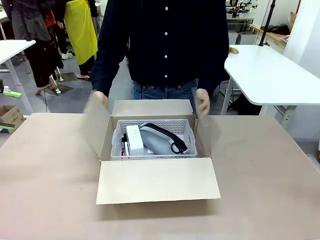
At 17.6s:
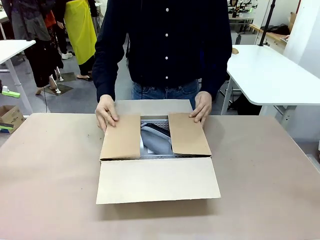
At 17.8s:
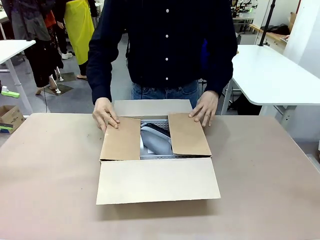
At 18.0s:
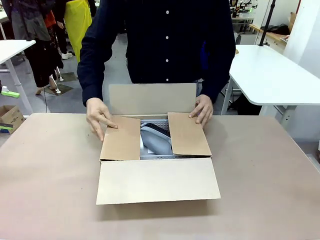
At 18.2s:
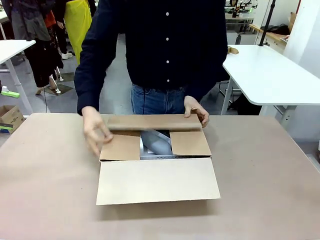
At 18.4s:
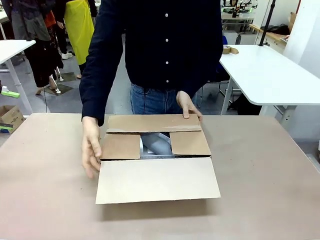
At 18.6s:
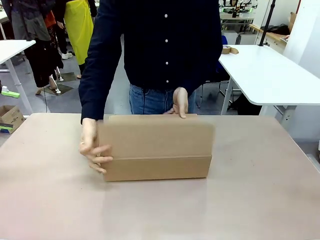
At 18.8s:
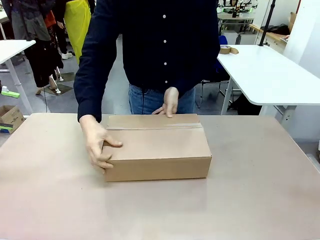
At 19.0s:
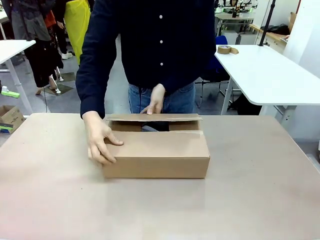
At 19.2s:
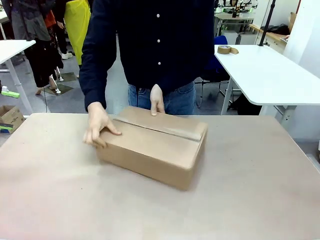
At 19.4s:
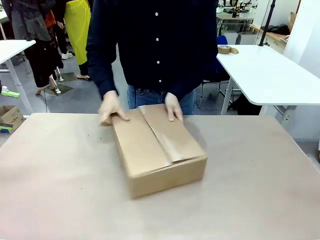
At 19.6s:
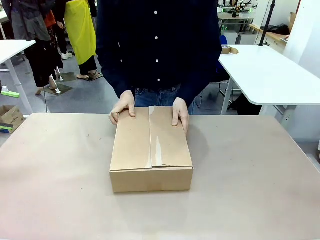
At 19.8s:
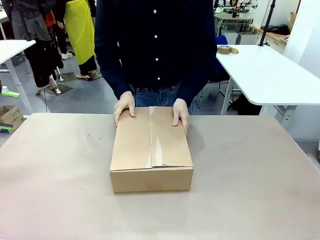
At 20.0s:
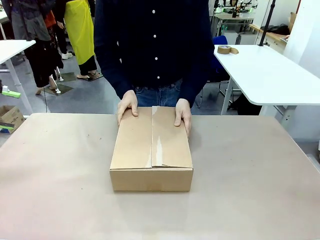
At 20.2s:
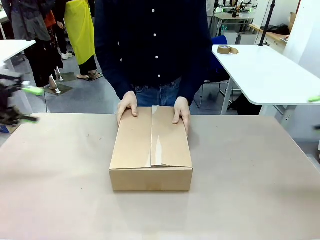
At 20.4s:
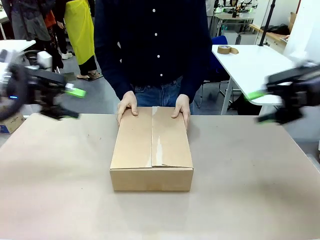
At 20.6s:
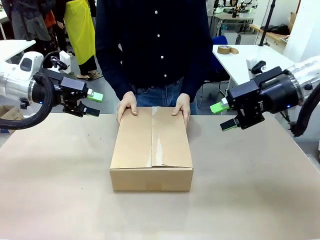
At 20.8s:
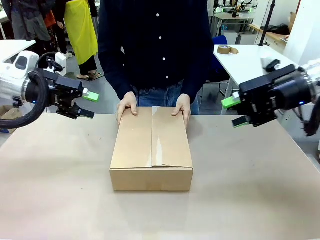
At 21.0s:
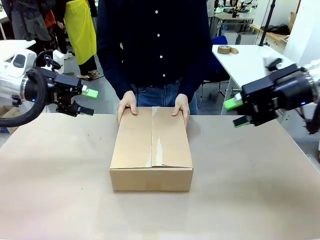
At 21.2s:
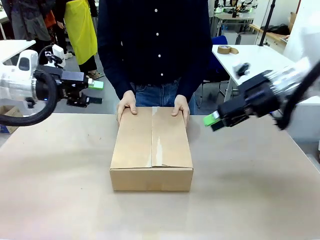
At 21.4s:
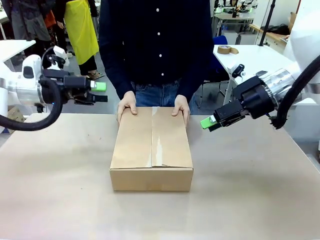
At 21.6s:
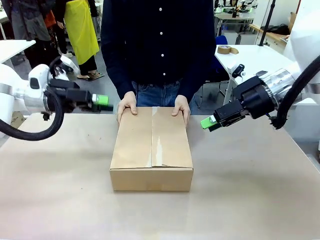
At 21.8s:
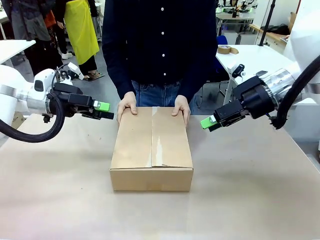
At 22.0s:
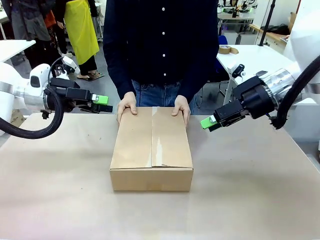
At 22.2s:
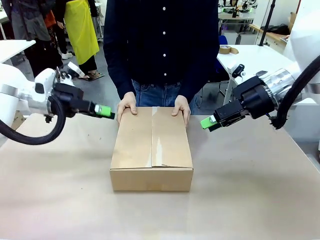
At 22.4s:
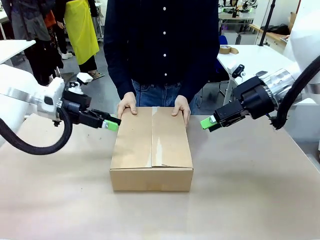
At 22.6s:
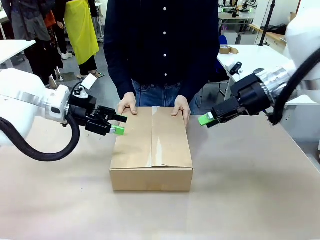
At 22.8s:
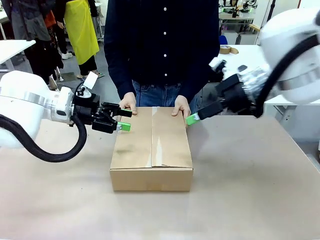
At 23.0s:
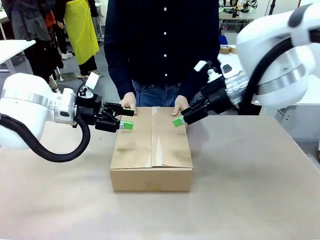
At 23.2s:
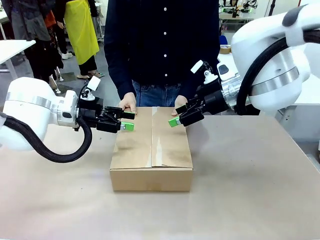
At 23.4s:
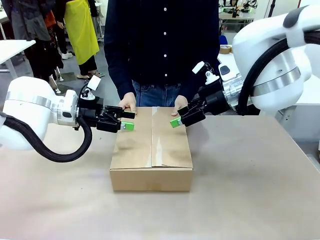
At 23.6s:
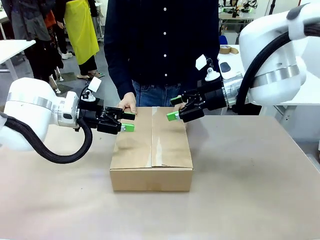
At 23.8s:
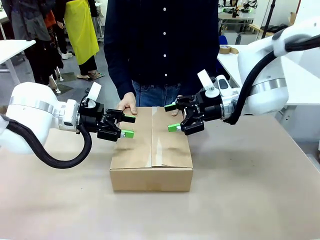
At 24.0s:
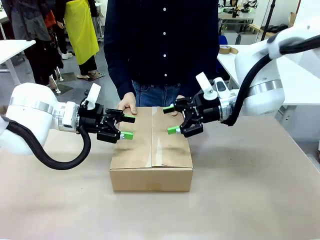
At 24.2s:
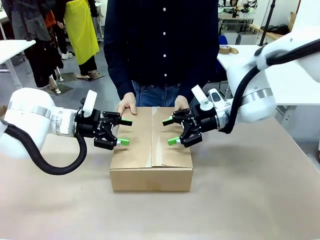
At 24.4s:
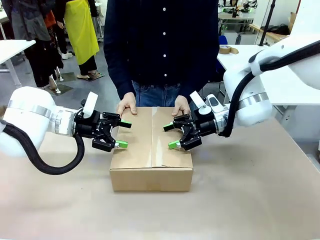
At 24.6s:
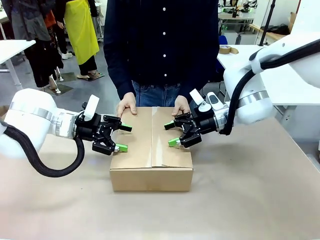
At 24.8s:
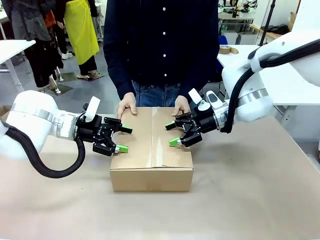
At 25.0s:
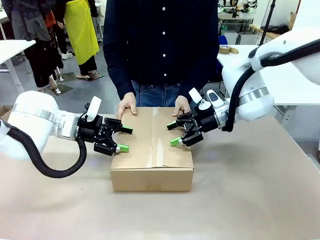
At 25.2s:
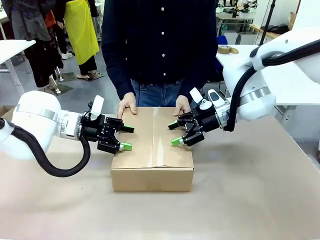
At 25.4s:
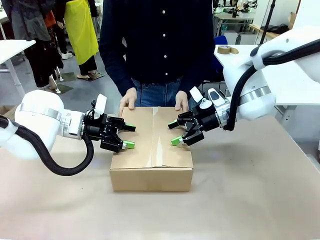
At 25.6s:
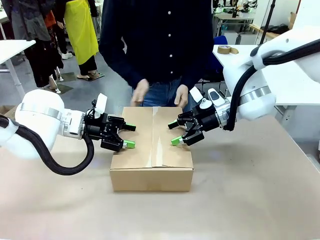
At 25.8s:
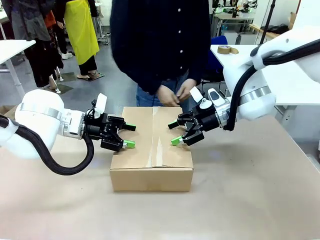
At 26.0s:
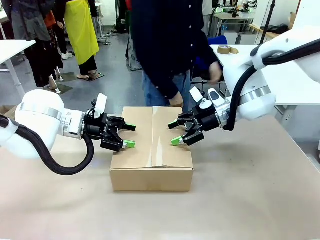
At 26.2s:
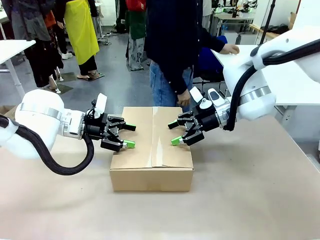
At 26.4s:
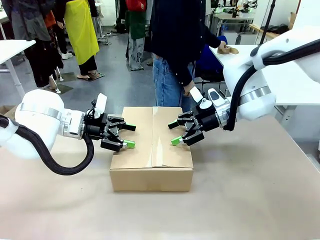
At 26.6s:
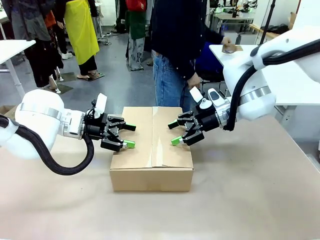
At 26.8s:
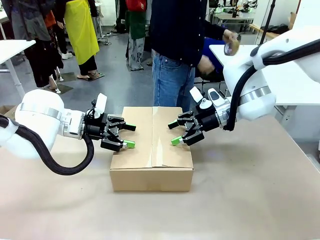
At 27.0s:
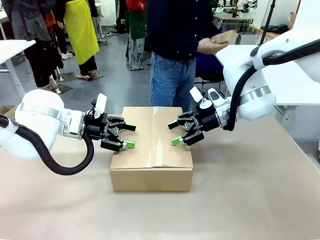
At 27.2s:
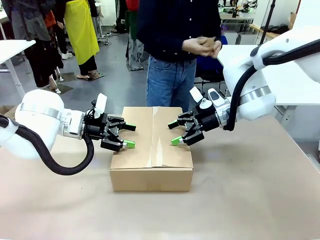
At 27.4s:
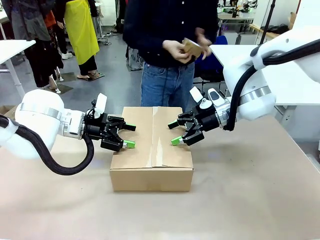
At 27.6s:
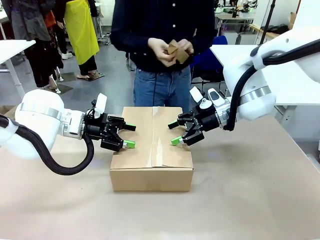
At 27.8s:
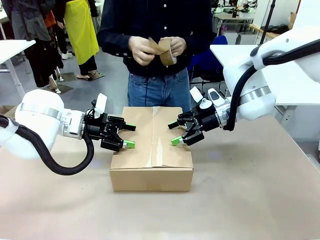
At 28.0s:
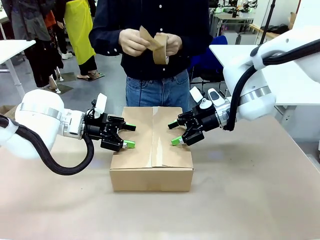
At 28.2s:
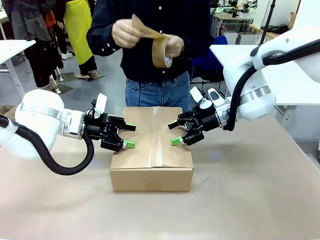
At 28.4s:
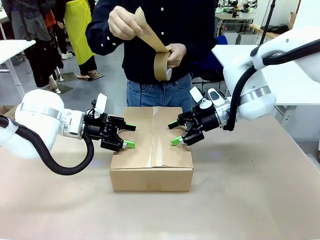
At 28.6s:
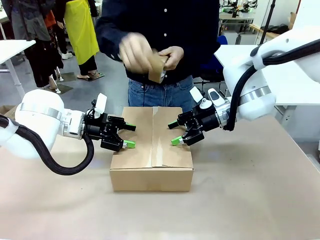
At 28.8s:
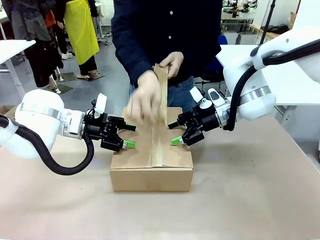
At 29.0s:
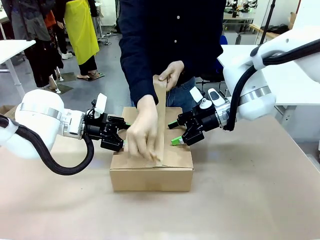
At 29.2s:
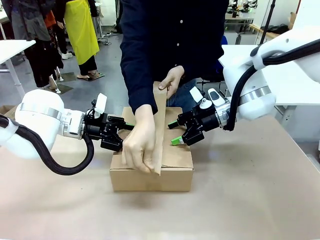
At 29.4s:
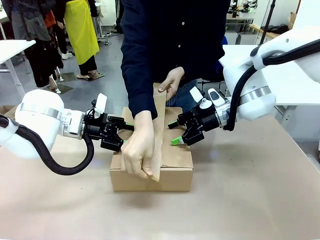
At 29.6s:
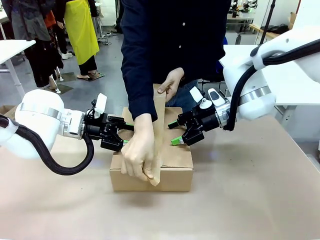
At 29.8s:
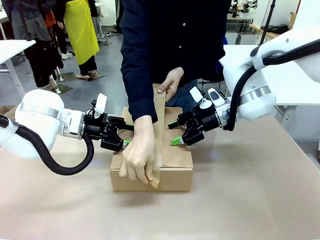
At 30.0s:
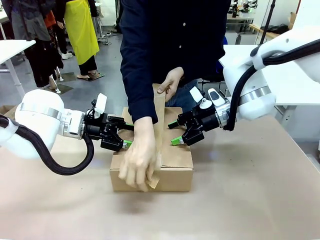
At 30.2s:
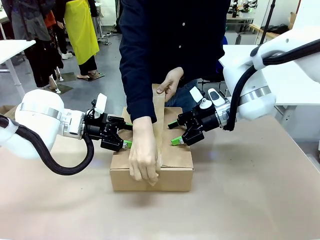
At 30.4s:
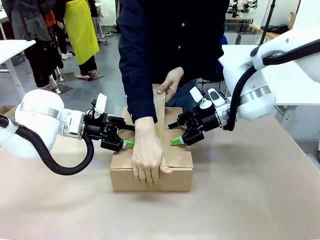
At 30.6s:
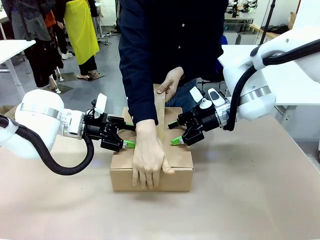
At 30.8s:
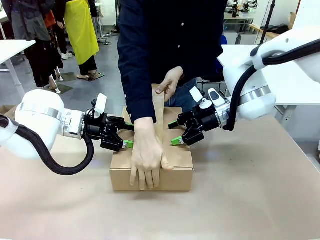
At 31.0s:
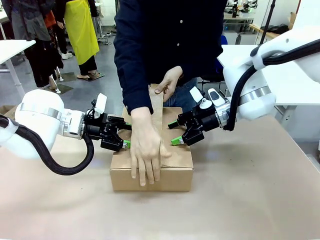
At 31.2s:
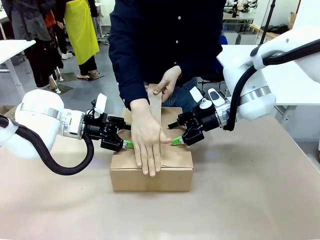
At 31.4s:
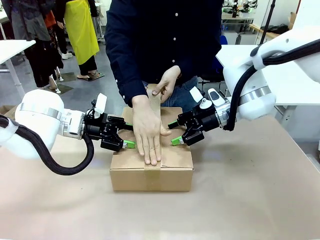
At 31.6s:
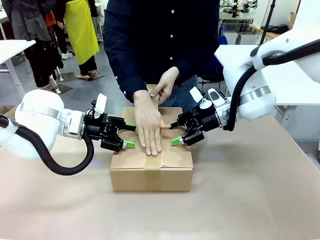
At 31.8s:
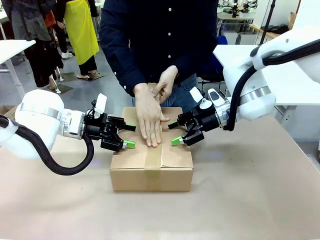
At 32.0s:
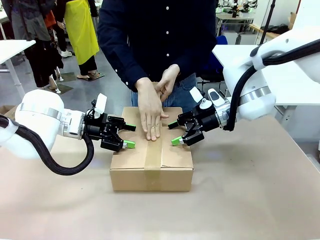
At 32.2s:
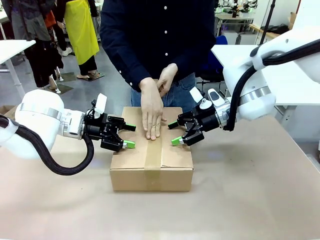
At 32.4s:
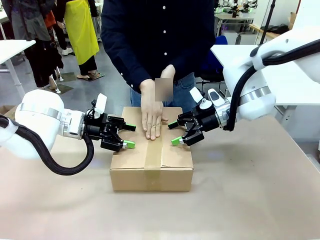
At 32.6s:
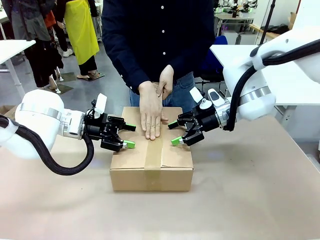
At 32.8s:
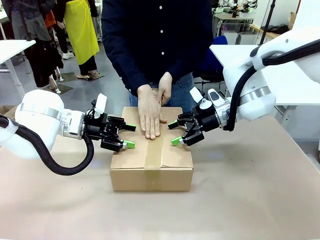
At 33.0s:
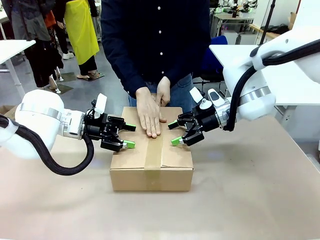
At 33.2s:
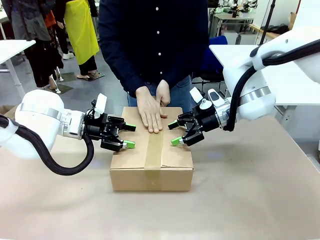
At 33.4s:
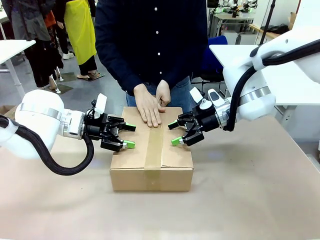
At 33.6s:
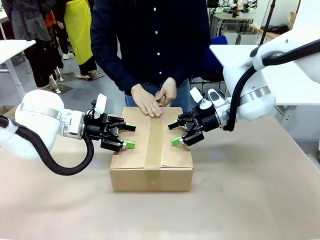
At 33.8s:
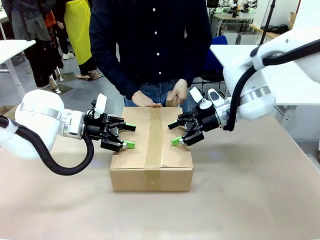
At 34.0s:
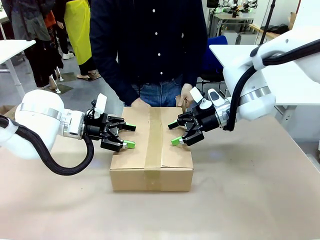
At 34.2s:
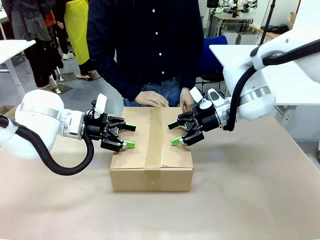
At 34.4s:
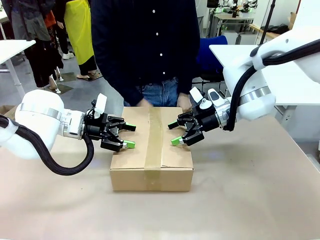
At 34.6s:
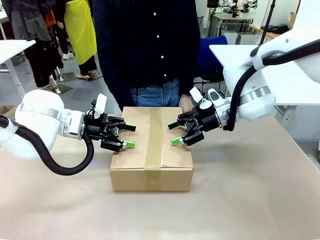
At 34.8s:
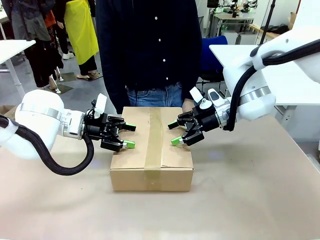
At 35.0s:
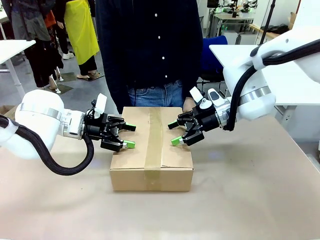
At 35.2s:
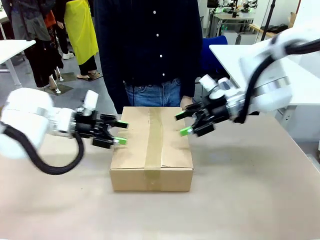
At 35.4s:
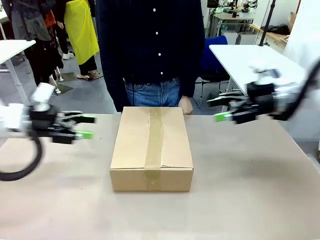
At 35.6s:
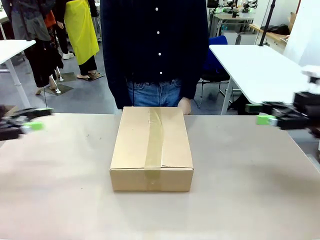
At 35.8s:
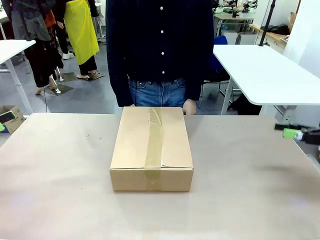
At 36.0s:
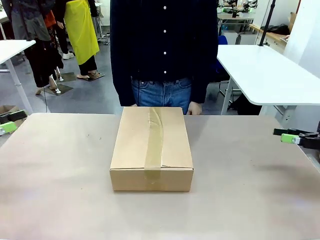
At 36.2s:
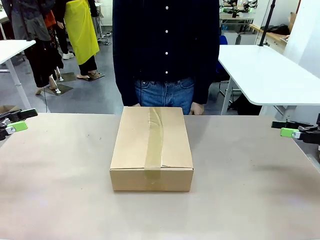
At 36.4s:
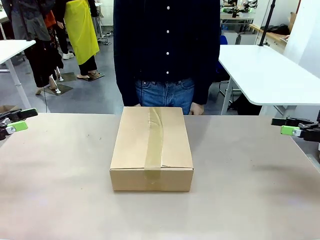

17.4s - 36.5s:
Task: Pack the gift set into the box.
Robot: Press and hold the closed box until the human finishes sealing it.
Person: The human closes the box and rotates the box by 90 degrees. The human picks up the paper tape from the human table and packs the box.
